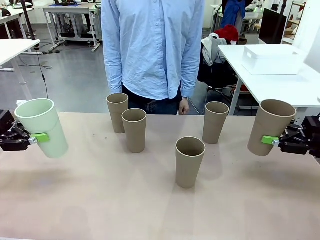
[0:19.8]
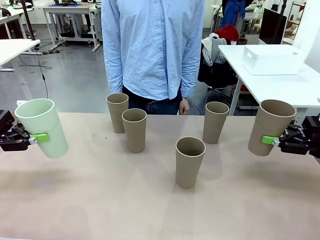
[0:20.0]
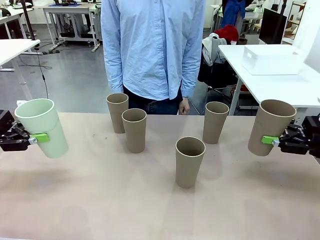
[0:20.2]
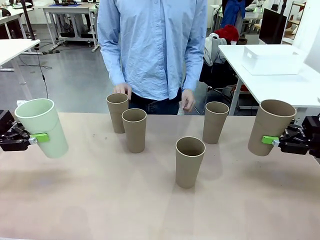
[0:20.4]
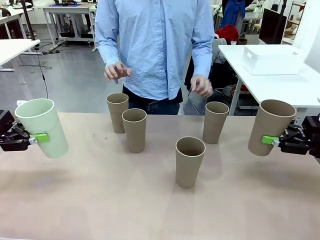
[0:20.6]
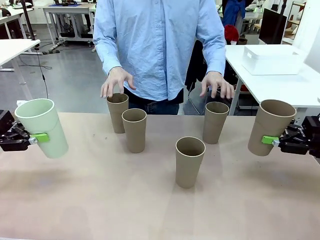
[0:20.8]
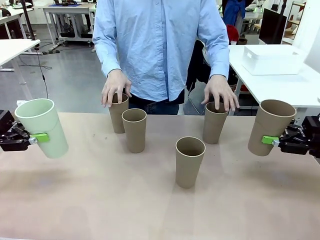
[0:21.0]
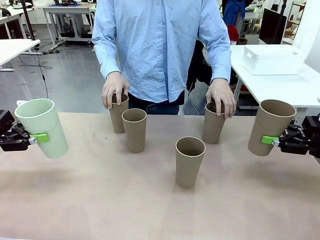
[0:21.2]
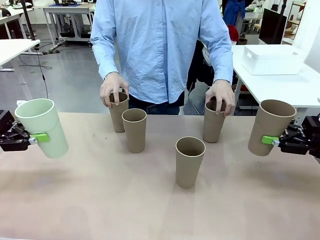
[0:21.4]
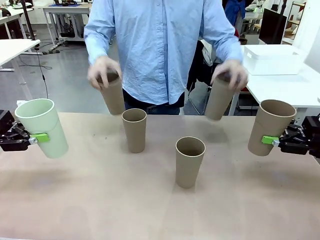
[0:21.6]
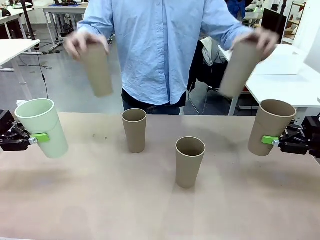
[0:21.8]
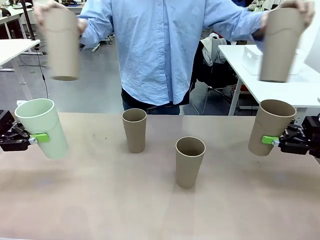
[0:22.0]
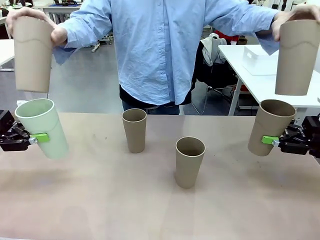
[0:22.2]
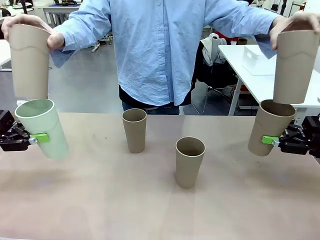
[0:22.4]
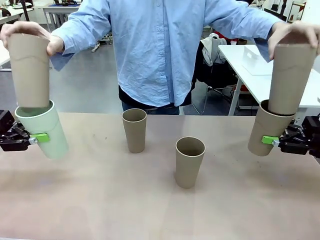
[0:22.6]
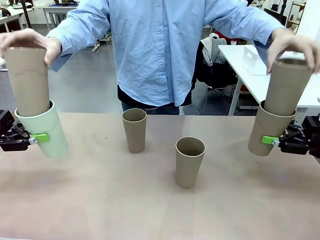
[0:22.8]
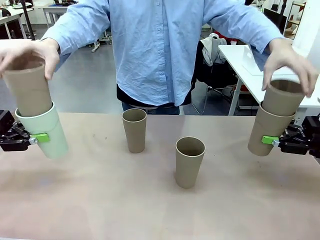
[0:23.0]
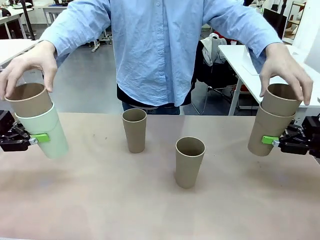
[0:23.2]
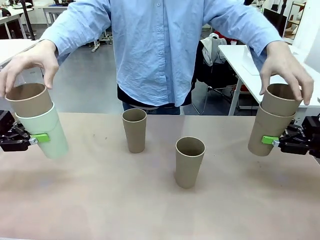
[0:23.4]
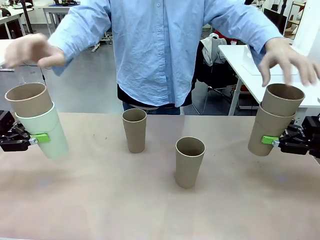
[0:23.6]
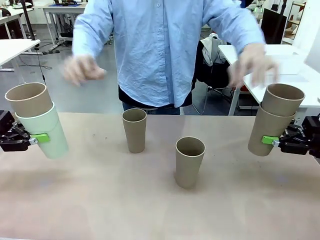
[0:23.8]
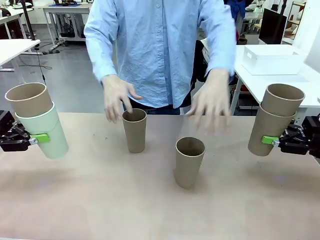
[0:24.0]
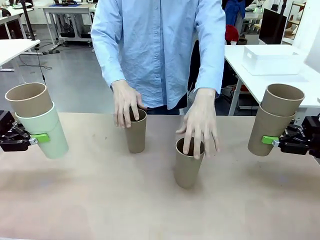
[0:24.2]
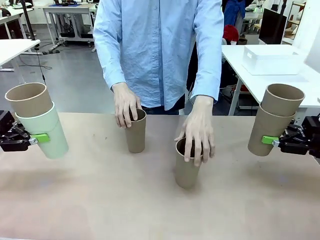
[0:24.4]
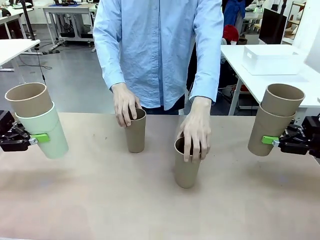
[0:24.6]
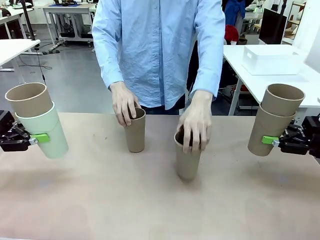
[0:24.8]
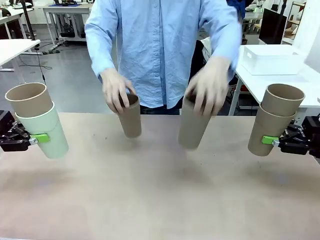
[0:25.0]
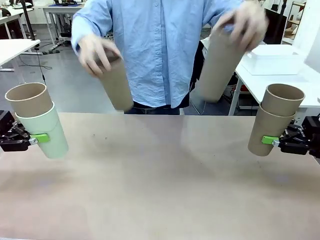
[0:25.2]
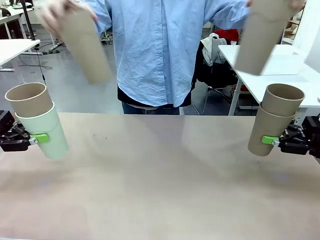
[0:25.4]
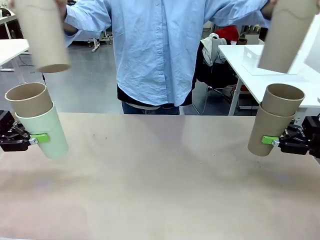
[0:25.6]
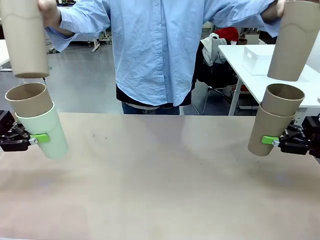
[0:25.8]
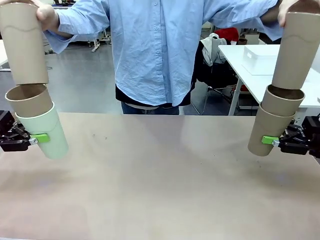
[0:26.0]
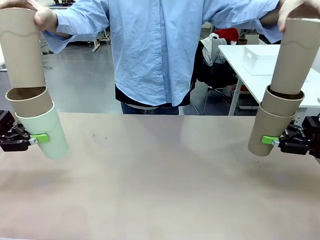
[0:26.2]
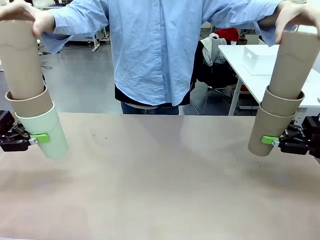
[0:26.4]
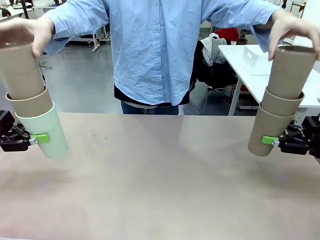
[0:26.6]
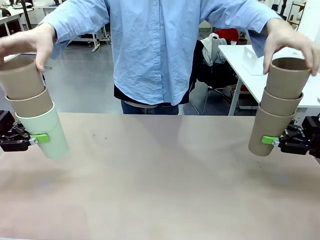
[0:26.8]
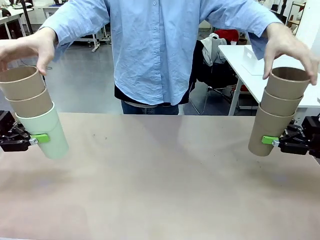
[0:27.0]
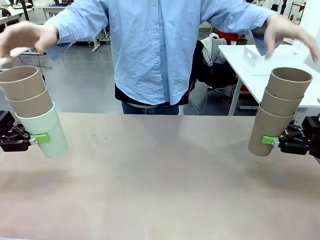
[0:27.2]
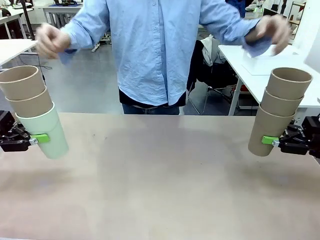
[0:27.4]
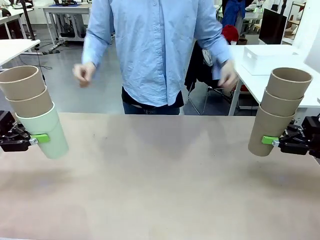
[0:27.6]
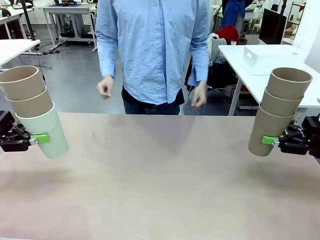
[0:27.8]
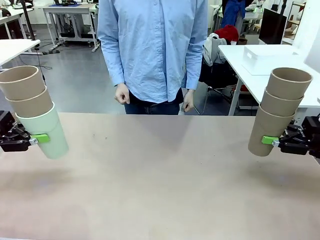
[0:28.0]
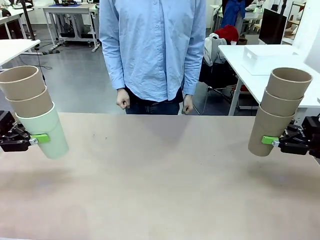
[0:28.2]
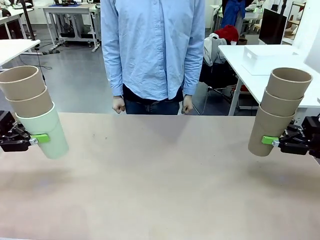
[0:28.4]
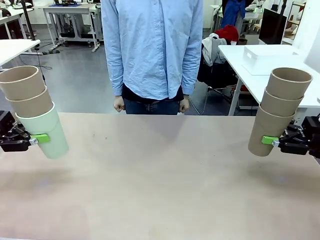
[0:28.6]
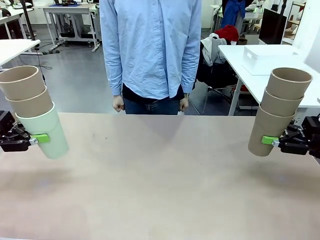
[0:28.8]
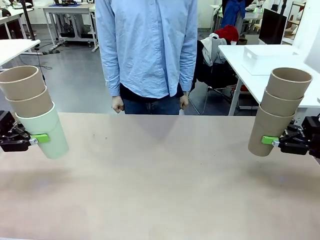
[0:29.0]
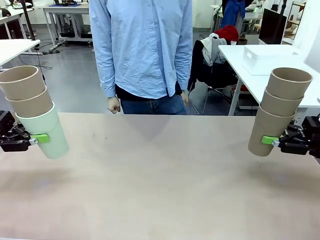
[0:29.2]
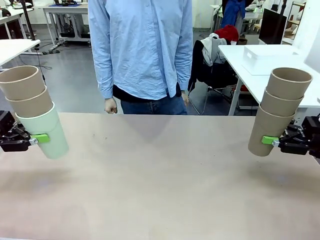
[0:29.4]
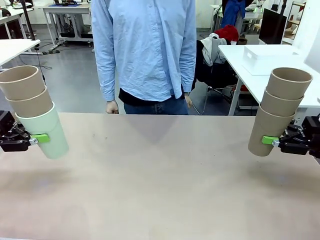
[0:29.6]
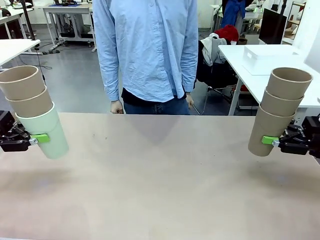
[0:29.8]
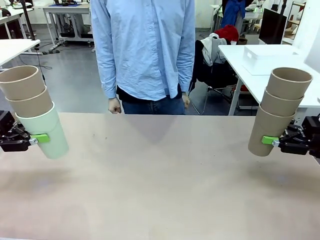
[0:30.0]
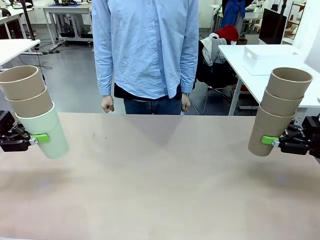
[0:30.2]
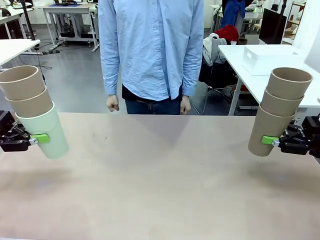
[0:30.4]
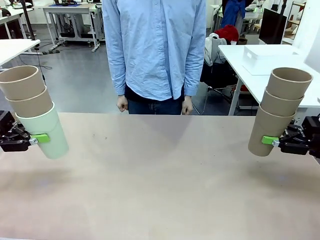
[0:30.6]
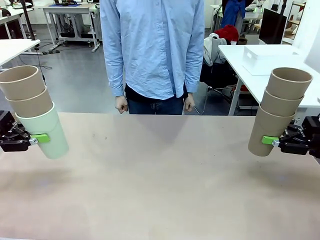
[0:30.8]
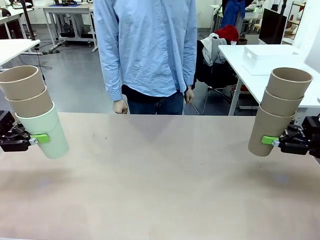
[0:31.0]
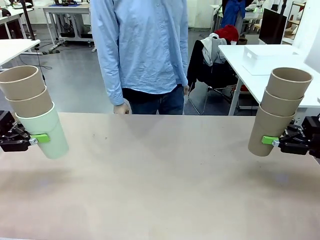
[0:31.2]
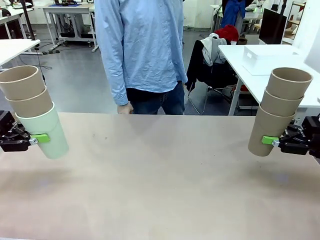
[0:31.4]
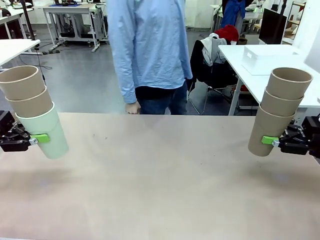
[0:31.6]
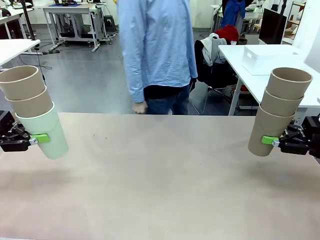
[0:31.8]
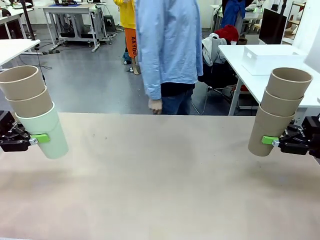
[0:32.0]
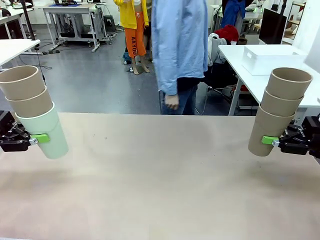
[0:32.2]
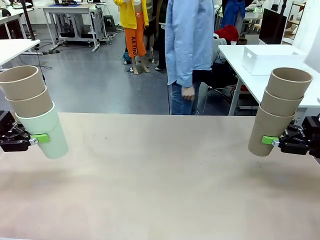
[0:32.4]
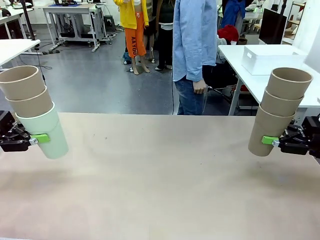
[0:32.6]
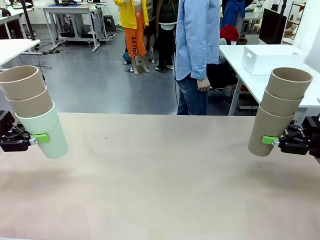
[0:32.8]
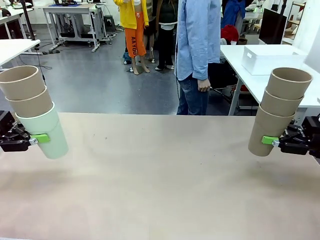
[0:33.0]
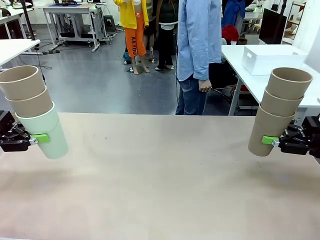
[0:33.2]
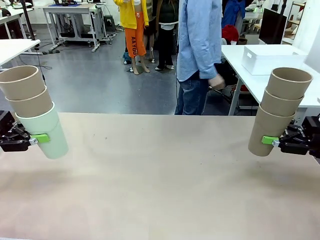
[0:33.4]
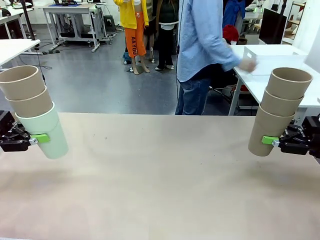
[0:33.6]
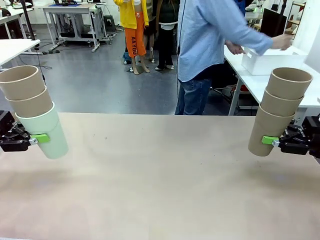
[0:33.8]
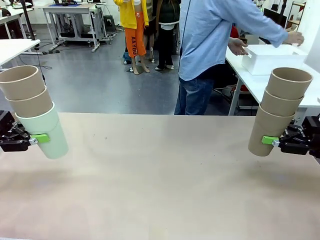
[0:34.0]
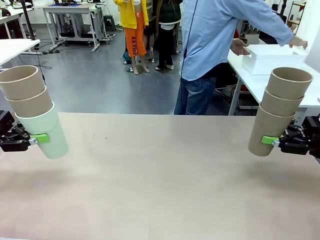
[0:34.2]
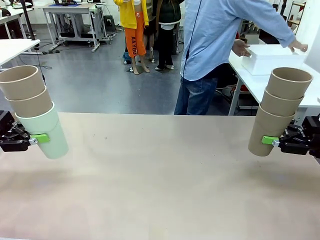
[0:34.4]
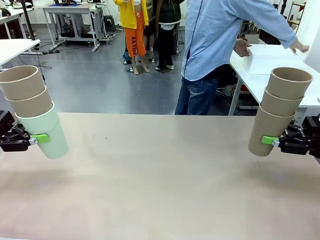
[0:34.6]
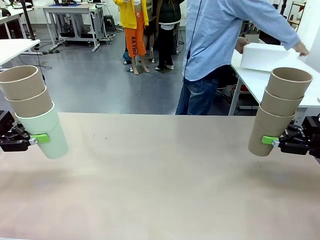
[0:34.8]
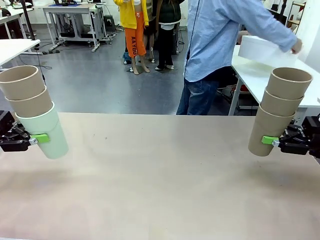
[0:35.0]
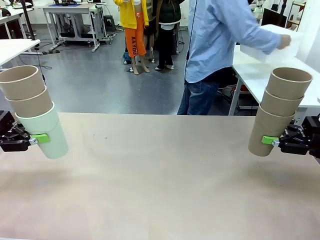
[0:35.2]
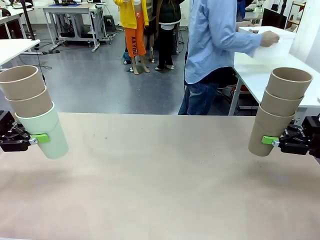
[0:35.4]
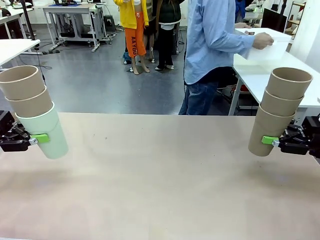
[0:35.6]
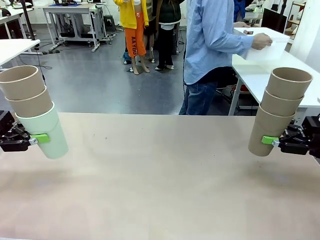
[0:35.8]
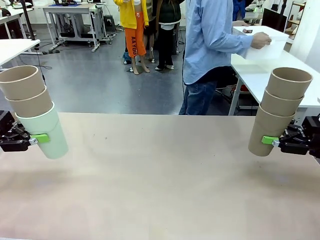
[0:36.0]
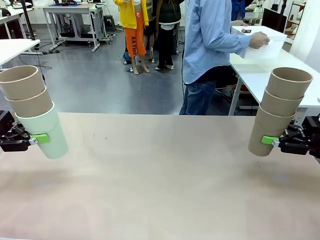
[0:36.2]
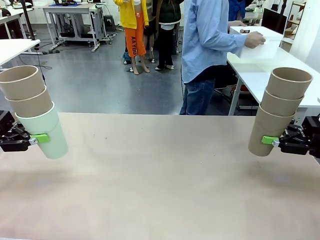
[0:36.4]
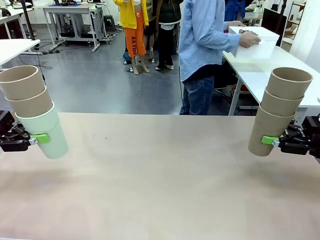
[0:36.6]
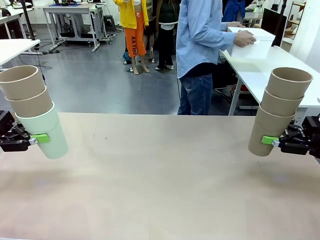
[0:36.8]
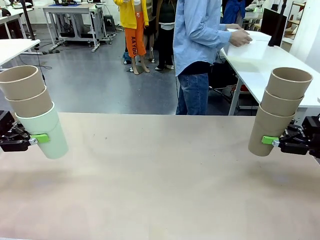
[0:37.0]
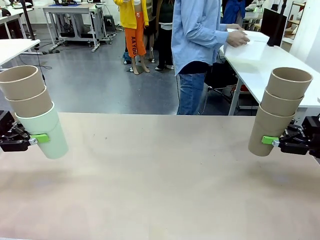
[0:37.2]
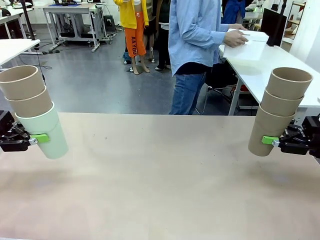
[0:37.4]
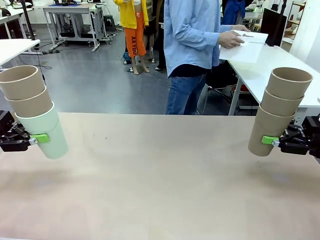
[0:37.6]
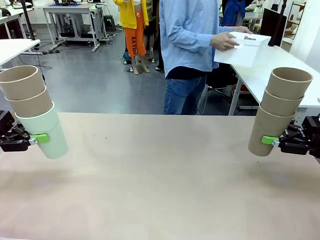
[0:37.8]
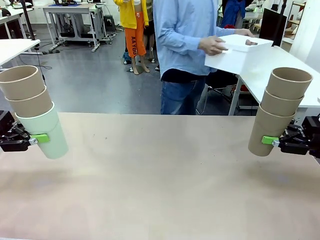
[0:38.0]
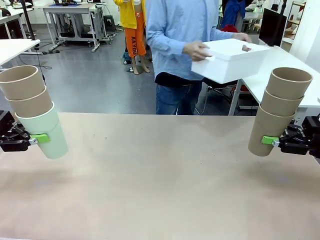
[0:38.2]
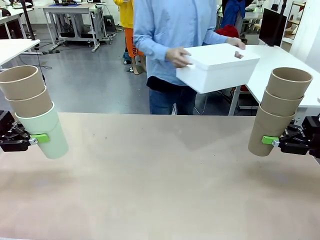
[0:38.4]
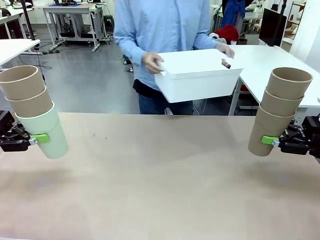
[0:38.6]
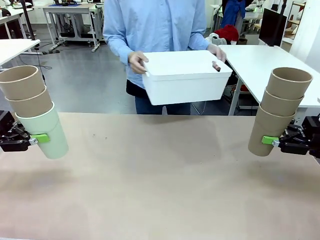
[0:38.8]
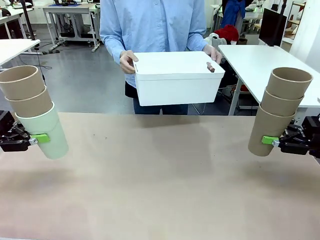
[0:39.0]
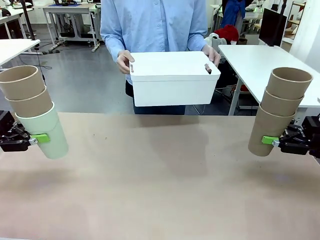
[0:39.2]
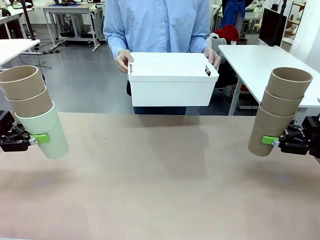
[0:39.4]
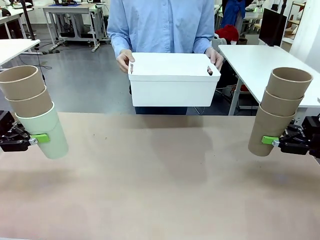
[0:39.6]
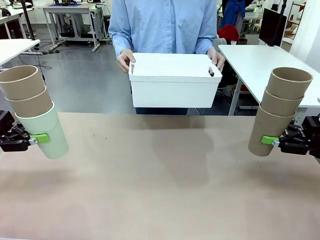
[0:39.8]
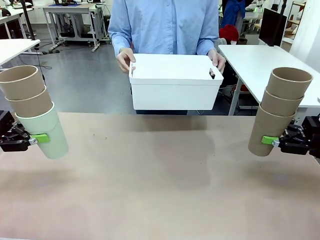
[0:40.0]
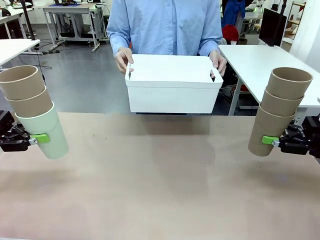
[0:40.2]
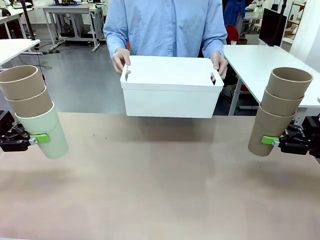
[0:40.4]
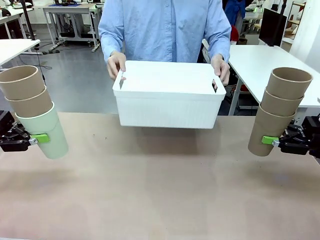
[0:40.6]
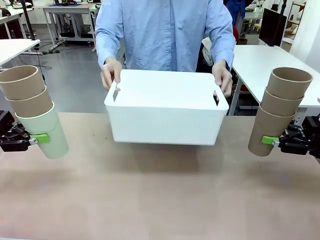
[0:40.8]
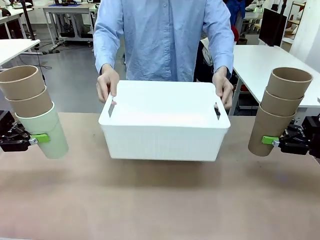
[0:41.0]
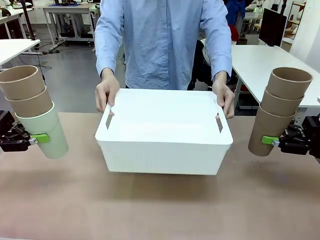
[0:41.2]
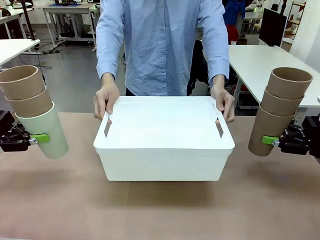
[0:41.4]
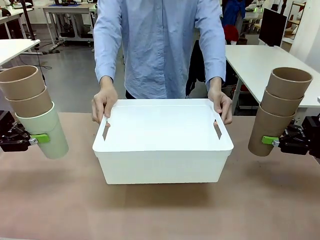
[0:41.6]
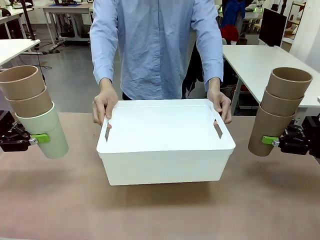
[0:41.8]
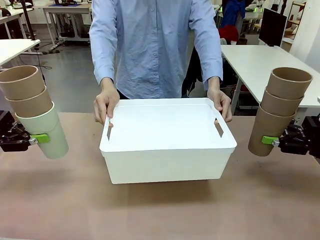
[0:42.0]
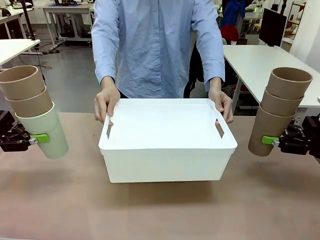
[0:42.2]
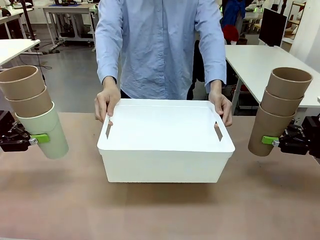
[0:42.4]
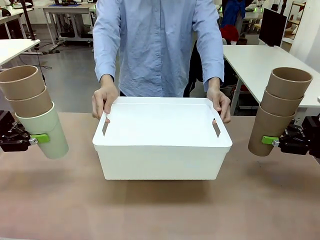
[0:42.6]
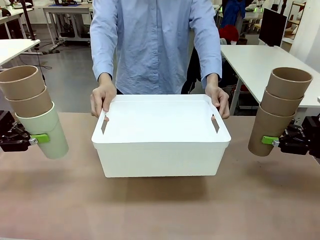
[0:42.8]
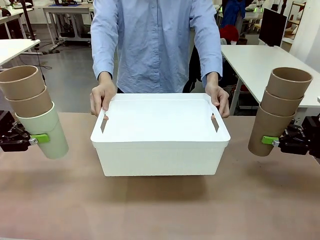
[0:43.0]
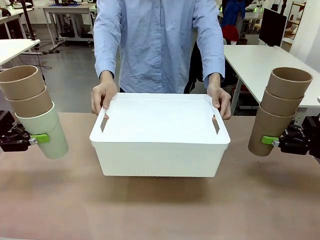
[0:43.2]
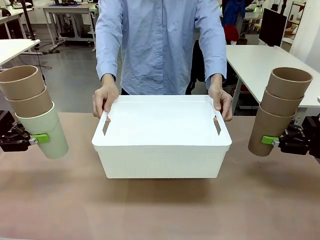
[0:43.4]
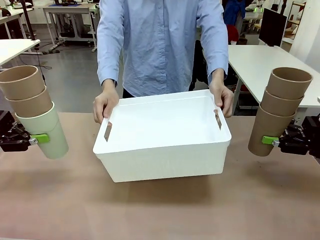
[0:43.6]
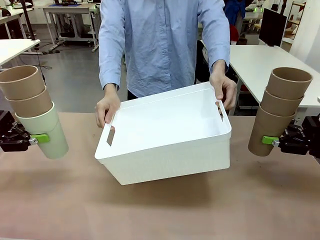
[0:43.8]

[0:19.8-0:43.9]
Task: Stack the cups and store them in the basket.
Robot: Place the stack of Reusable plastic cups into the Pantry Basket.
Person: Pick up the basket from the Human Table, bring it to the front of the robot, and present it.
